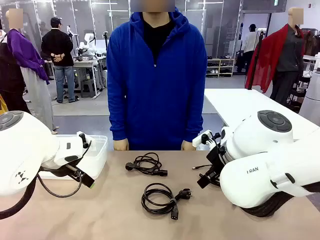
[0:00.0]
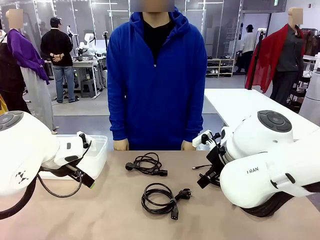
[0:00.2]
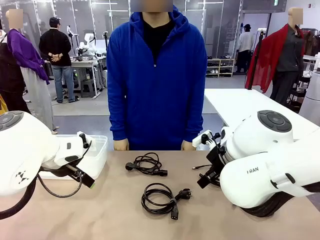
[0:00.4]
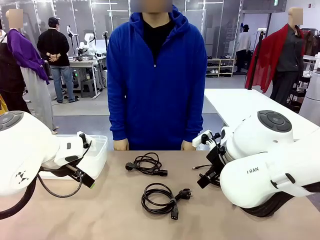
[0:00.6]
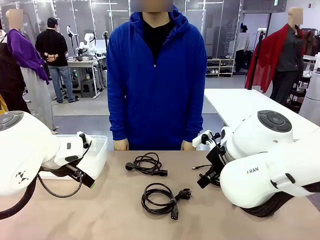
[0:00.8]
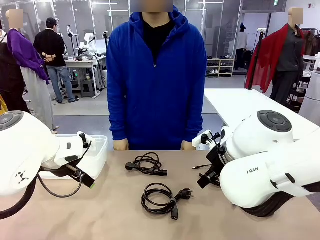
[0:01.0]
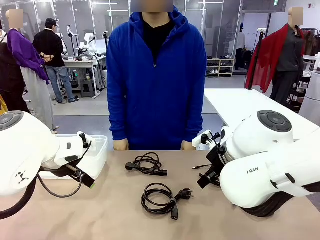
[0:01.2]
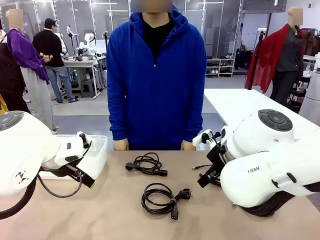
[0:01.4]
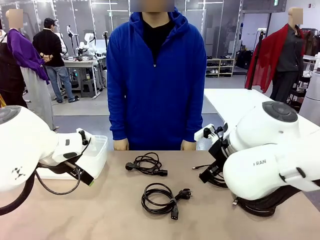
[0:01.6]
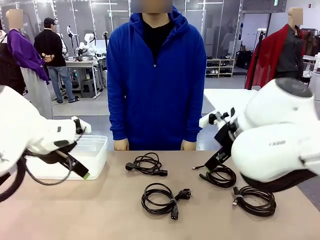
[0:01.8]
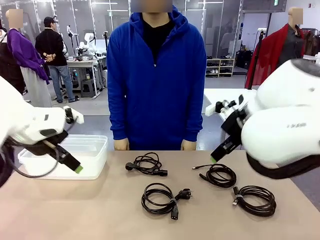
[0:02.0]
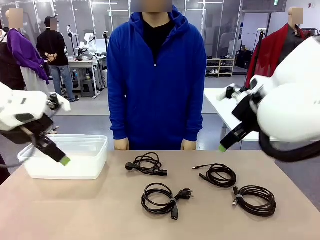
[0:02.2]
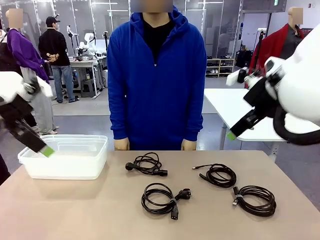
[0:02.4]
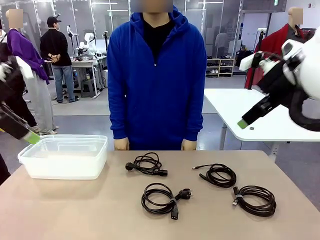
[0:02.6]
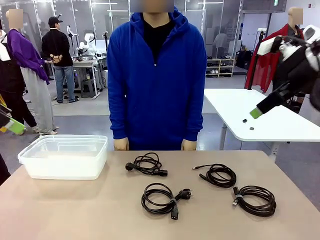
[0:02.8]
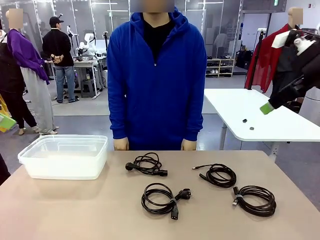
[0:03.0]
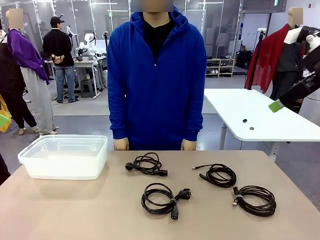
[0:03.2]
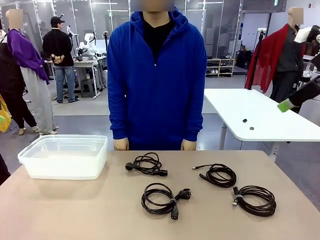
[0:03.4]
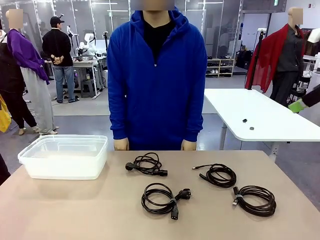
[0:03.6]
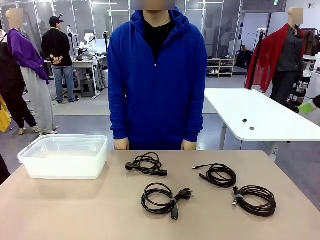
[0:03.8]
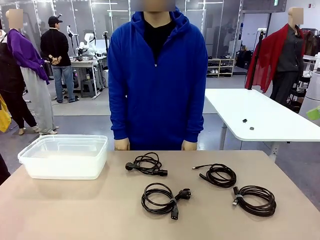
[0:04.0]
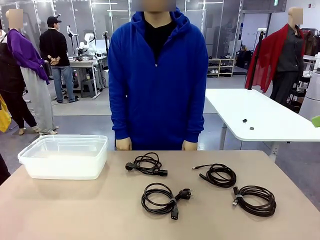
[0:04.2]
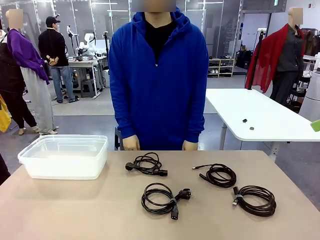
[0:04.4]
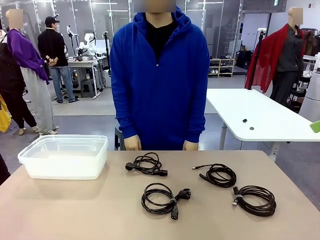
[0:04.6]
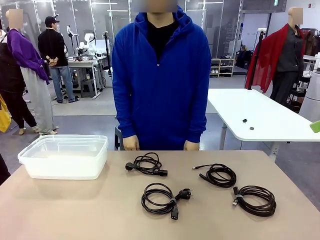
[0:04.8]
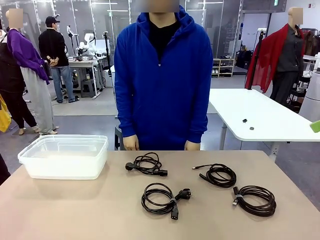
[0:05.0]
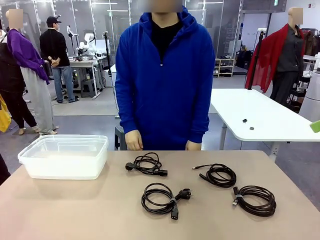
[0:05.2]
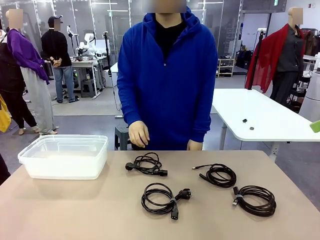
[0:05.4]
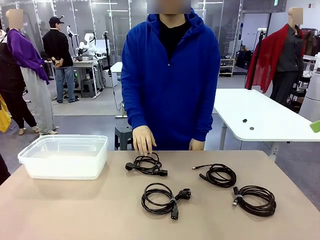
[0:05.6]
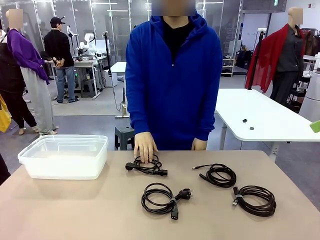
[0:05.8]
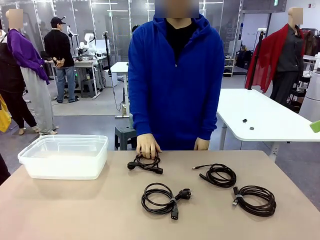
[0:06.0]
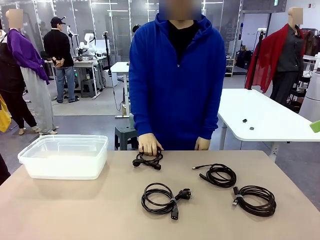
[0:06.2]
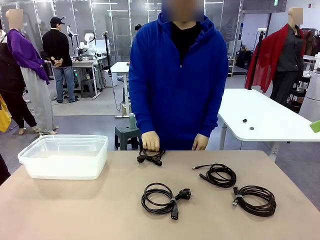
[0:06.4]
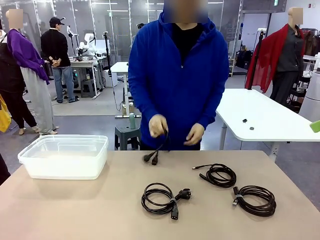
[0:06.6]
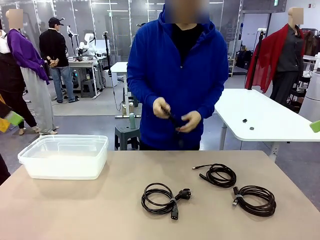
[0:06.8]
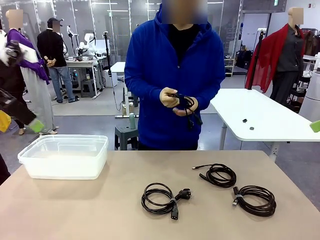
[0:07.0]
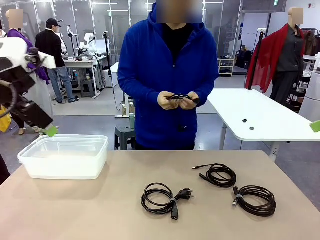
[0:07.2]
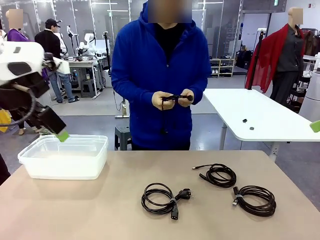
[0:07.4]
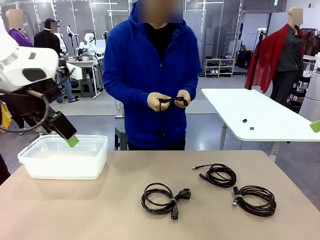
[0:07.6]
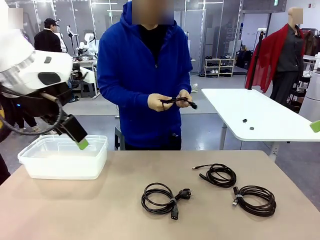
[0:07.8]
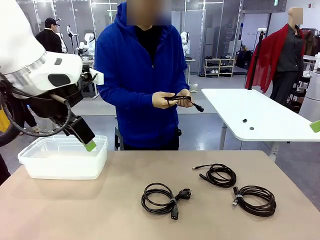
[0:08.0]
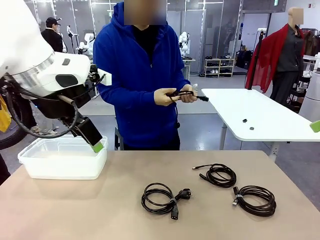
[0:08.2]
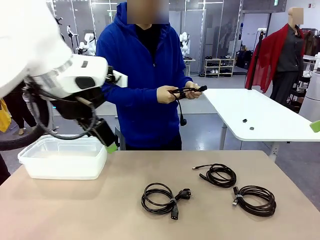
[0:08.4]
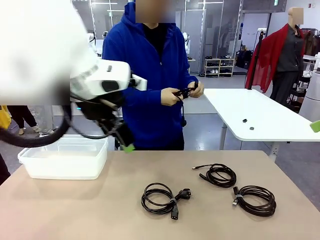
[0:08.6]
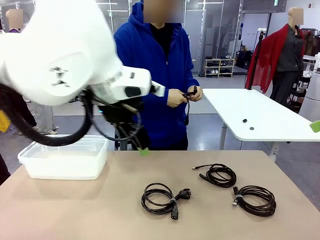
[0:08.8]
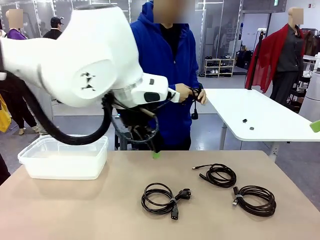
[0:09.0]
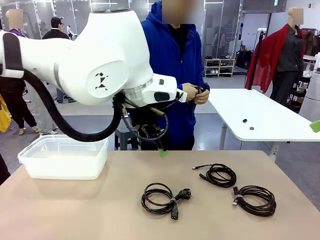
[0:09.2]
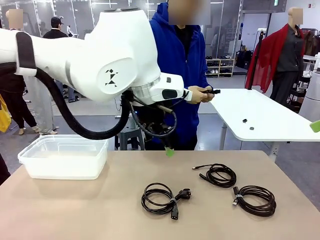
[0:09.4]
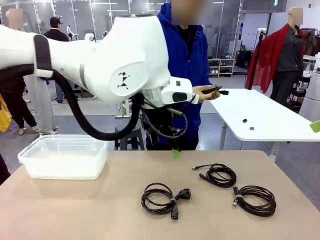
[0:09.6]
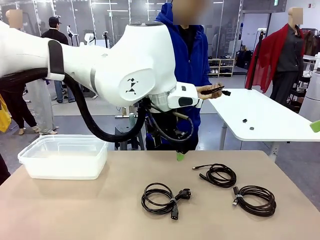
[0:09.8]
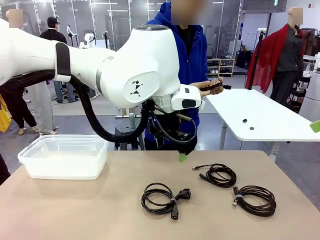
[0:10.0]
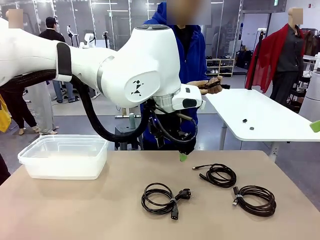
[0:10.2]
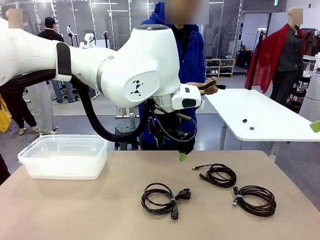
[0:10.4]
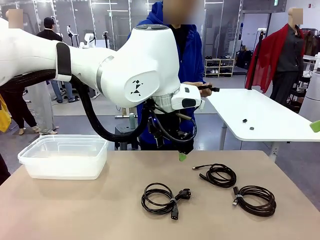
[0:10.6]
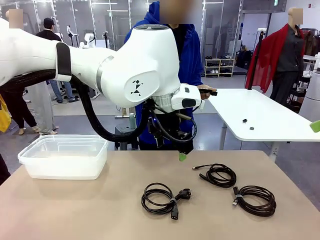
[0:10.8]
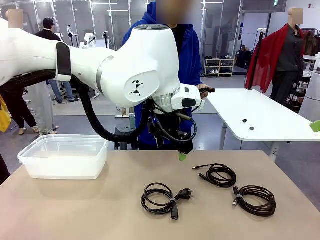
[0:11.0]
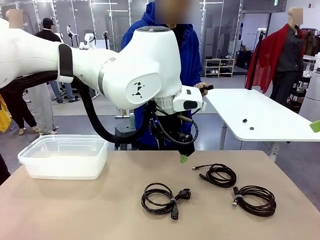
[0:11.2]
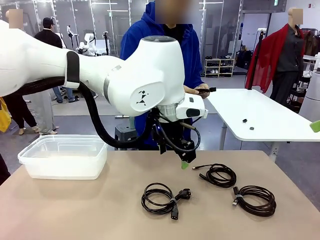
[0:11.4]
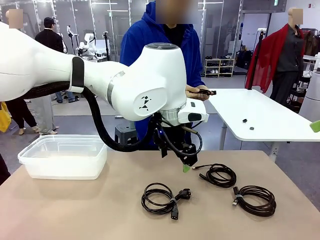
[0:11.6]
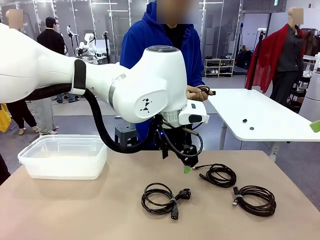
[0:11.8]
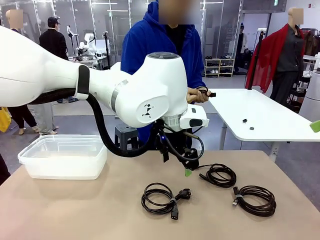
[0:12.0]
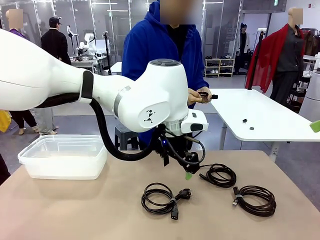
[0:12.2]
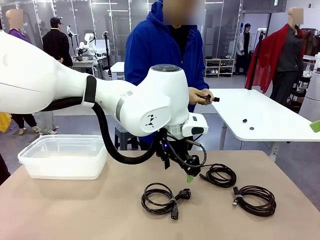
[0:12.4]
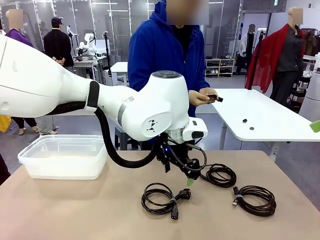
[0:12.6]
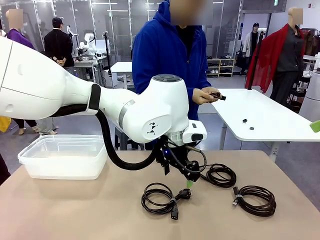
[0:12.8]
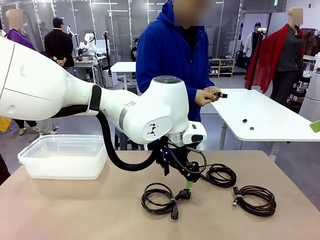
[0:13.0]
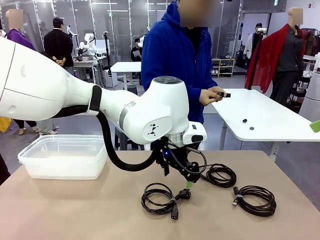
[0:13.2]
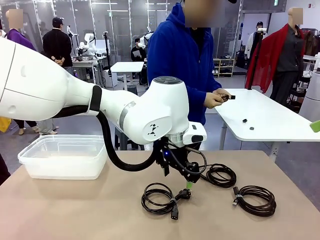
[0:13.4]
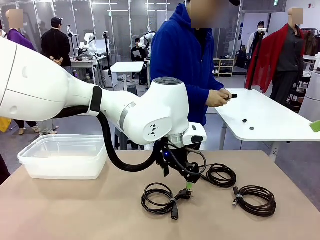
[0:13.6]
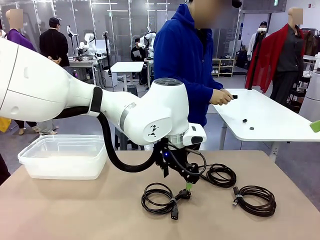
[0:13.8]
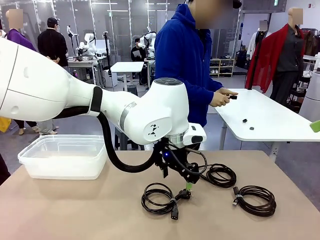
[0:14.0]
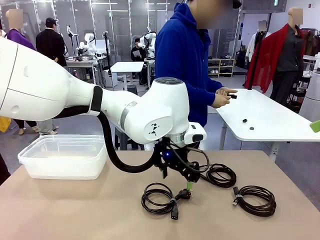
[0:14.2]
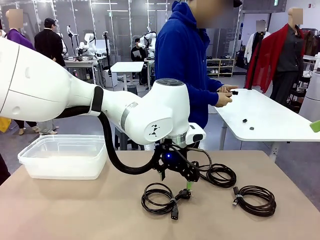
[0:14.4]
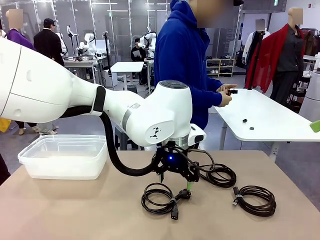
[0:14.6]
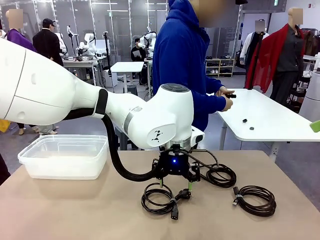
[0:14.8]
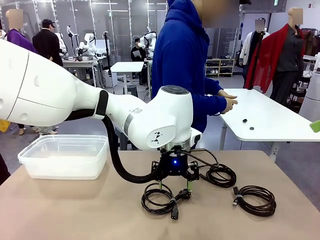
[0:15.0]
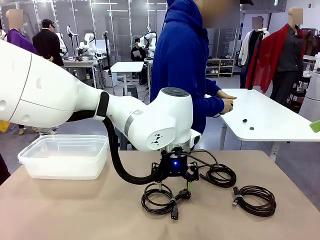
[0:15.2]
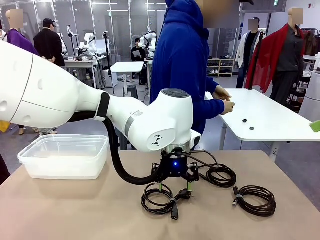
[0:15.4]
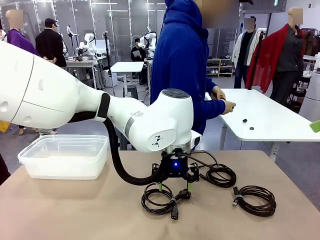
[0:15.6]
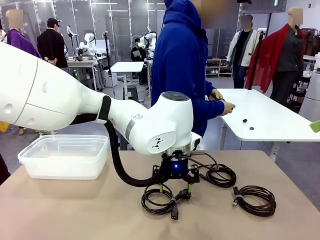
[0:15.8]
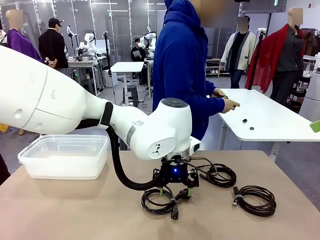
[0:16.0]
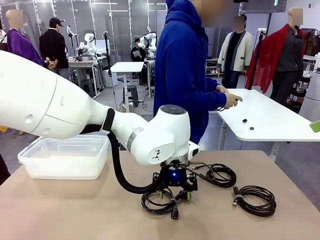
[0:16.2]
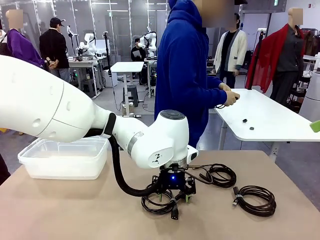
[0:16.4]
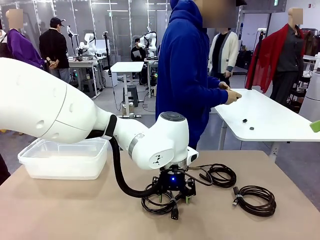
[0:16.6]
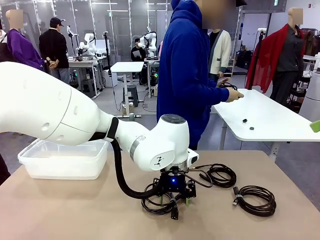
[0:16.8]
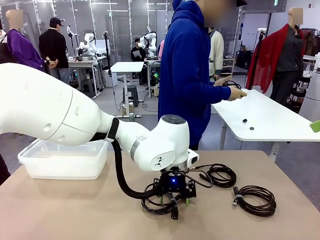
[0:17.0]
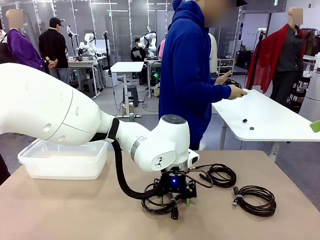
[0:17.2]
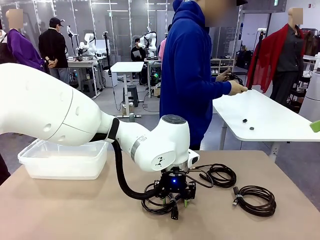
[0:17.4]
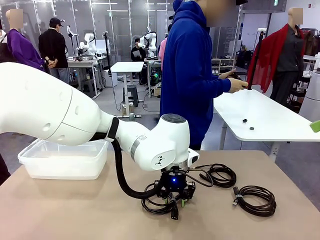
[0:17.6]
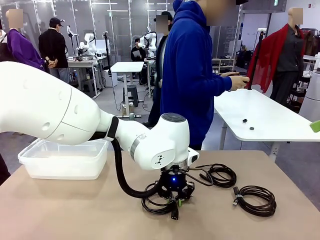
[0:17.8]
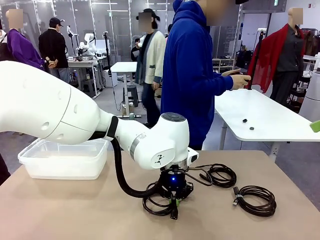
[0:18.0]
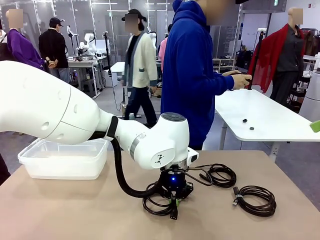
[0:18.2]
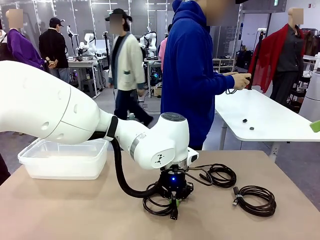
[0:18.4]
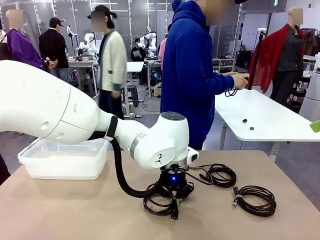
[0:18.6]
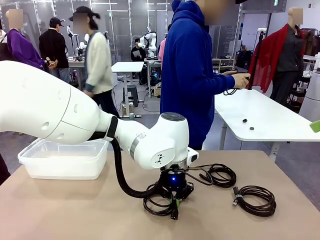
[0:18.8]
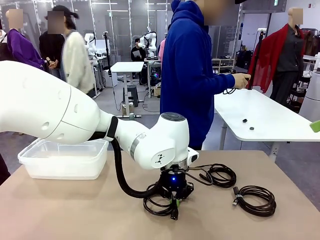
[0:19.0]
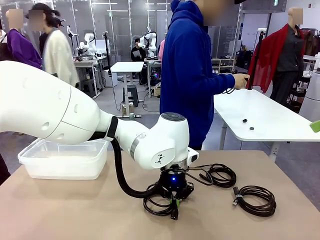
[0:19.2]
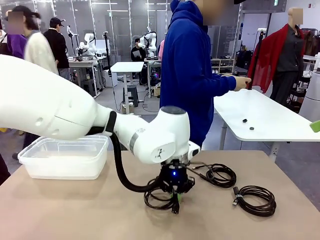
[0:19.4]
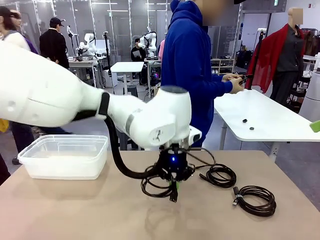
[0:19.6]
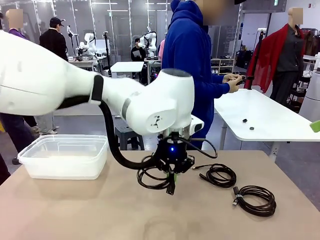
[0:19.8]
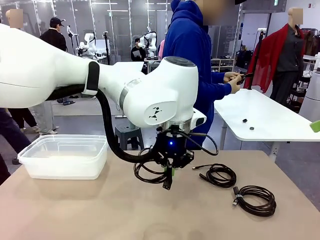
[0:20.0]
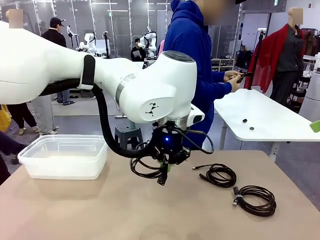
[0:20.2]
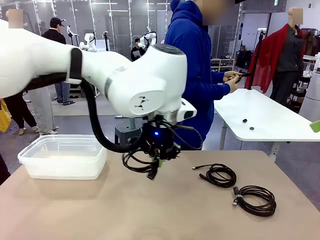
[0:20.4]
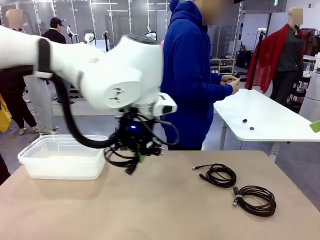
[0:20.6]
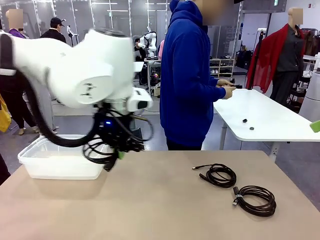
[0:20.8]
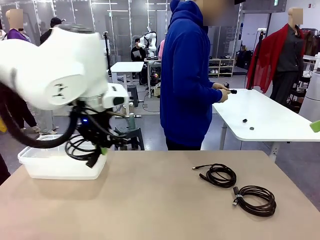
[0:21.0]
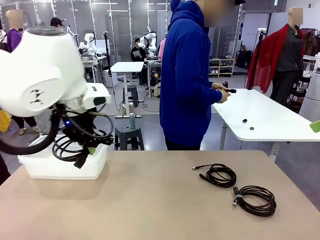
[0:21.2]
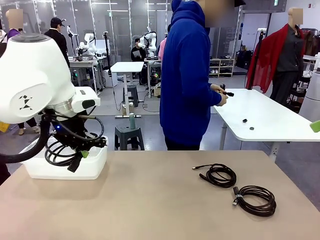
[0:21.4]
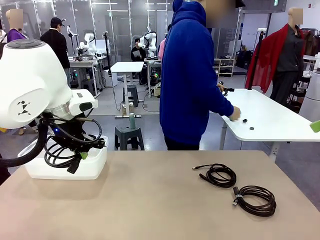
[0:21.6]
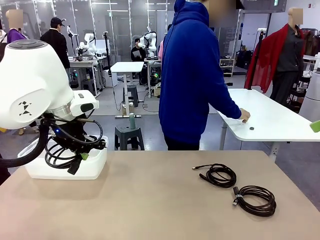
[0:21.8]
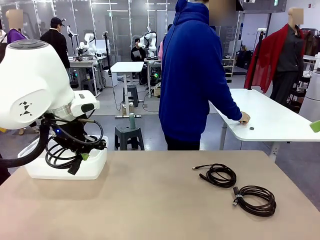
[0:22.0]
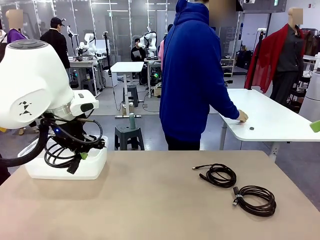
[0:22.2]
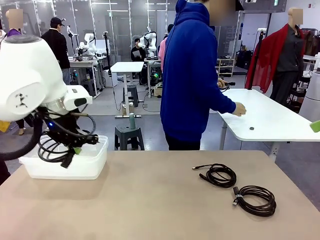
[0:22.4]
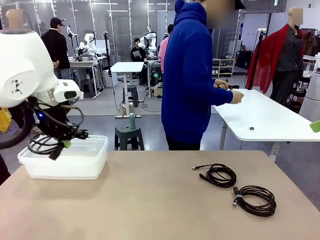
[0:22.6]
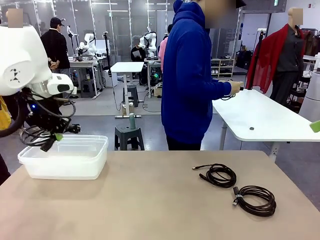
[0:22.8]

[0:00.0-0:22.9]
Task: Organize and store the cables.
Robot: Place the Power Cable into the Organizing box.
Person: Tie one Power Cable with a Reusable Cable Tie.
